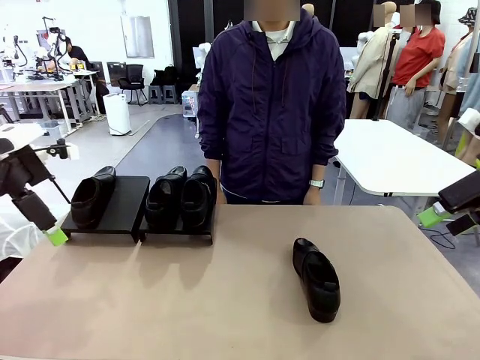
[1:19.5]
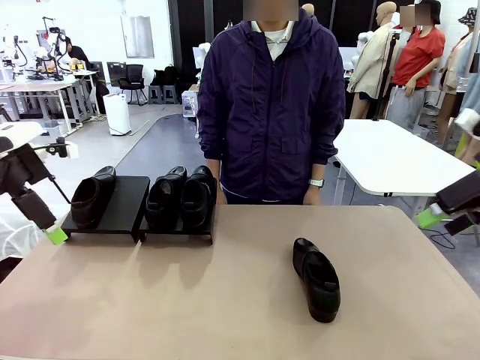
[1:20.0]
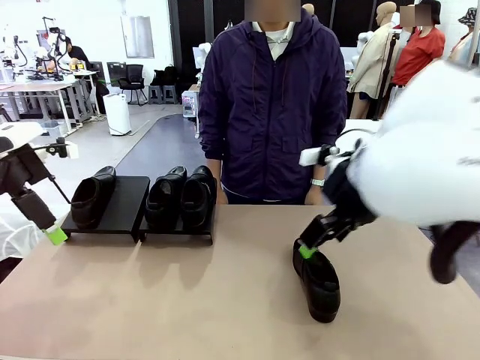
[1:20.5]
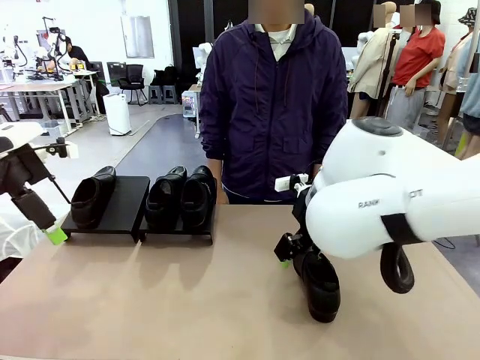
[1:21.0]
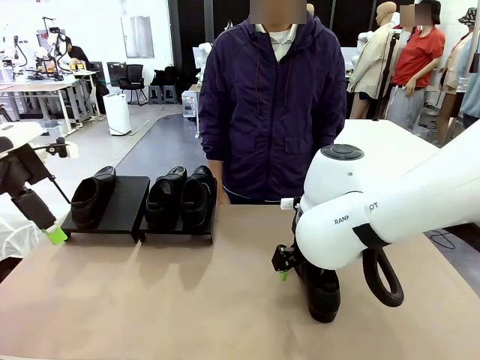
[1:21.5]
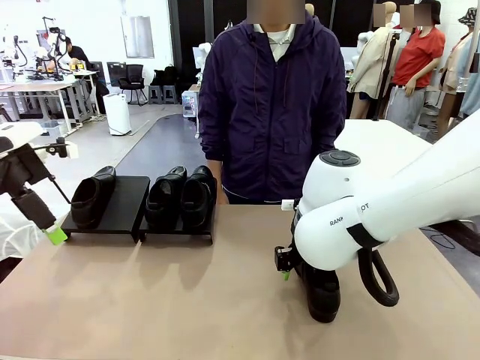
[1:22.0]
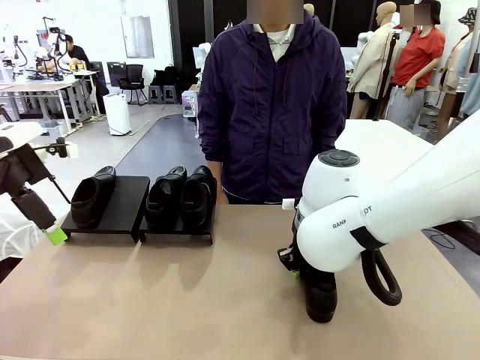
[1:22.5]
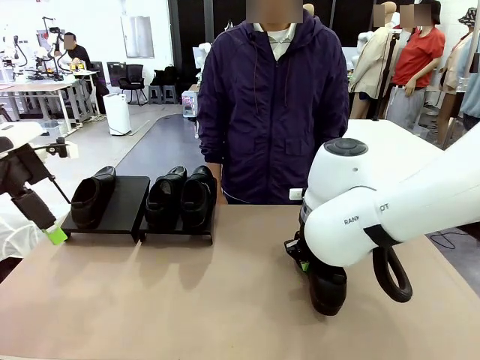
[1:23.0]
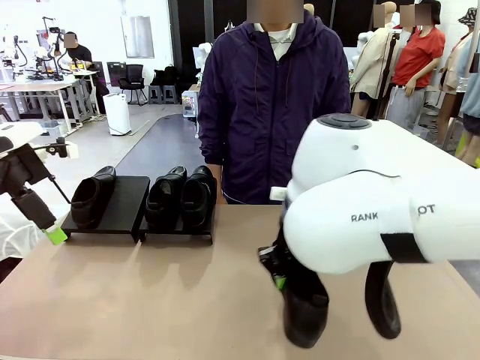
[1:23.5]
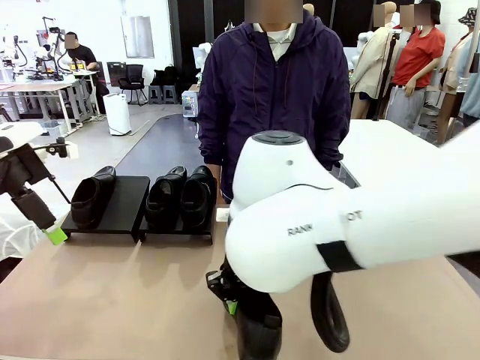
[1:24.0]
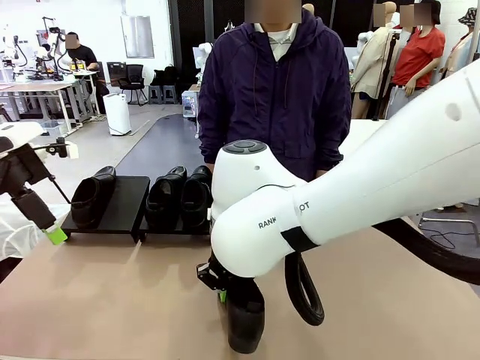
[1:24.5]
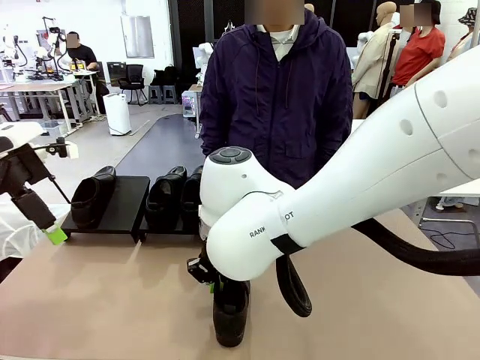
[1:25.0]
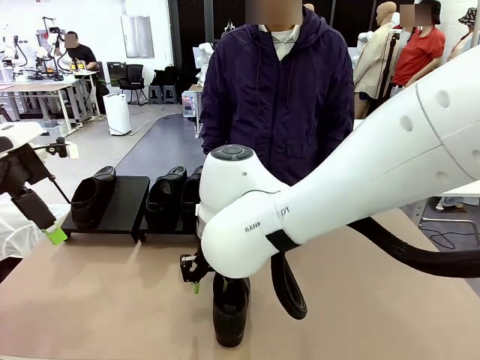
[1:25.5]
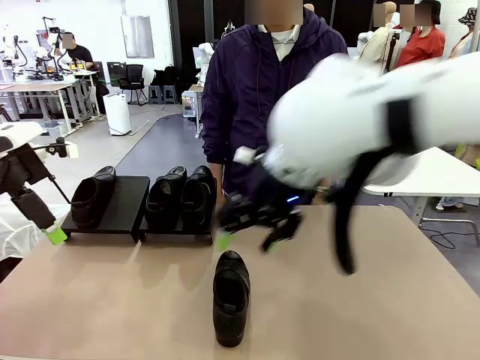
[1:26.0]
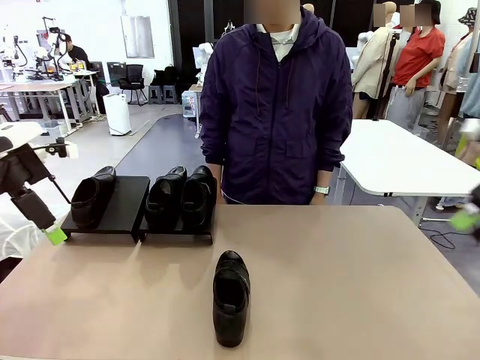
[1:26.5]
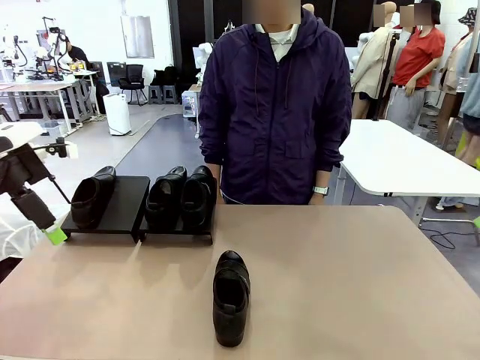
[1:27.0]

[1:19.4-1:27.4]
Task: Organize the shoes by placing them on the stand.
Robot: Pick up one Shoe and place it in the middle of the table.

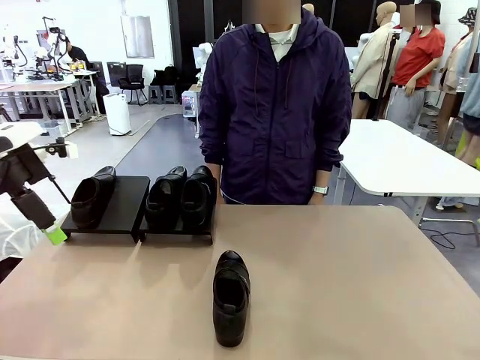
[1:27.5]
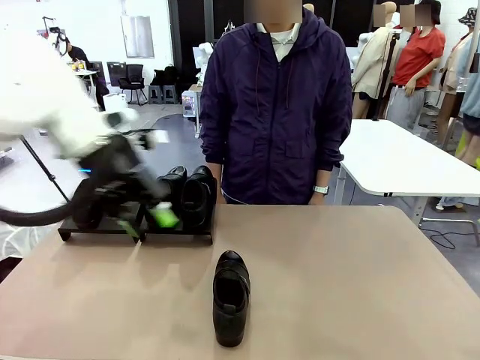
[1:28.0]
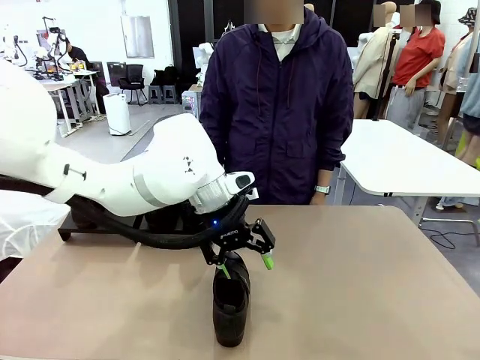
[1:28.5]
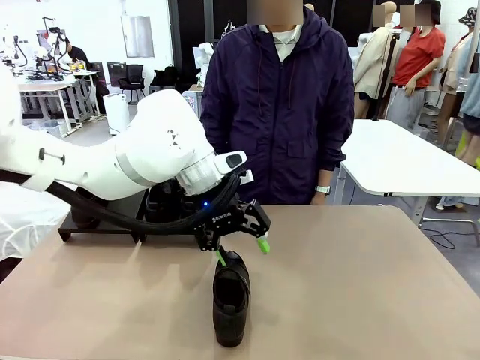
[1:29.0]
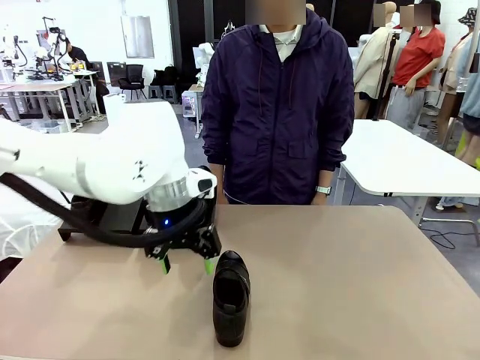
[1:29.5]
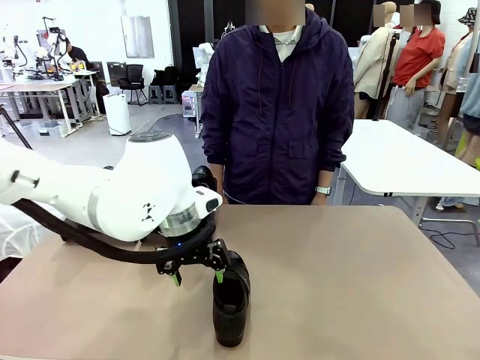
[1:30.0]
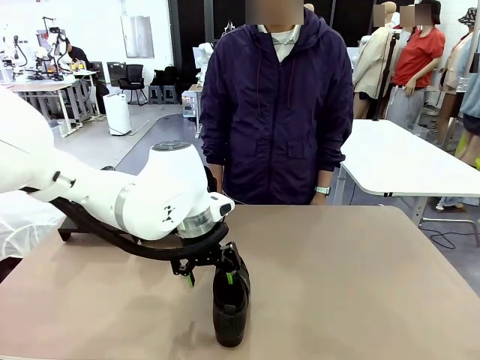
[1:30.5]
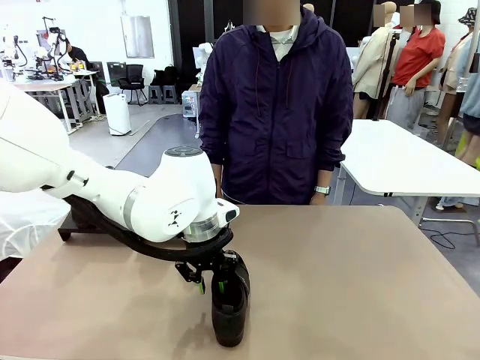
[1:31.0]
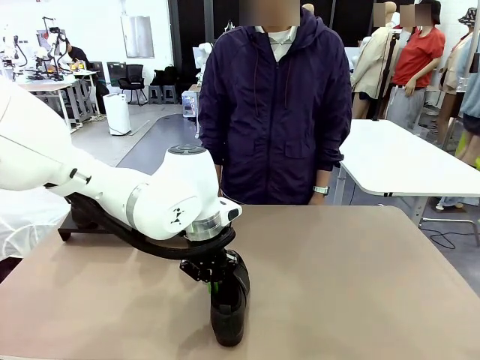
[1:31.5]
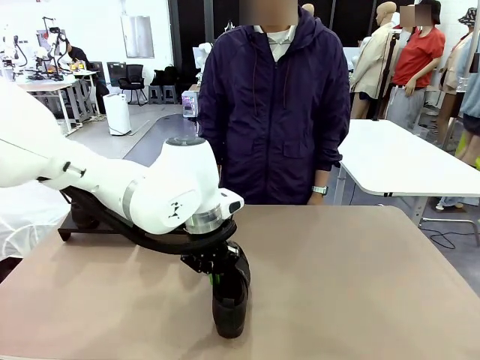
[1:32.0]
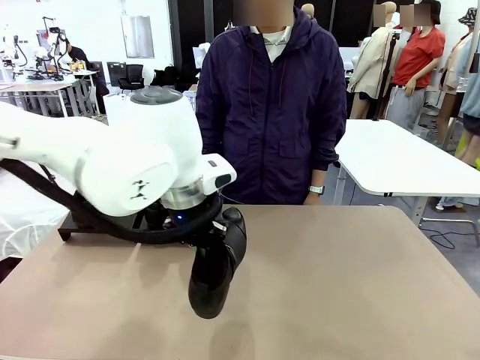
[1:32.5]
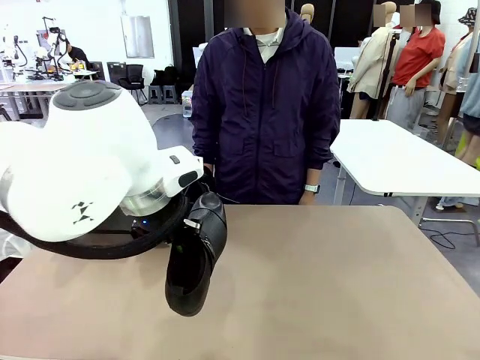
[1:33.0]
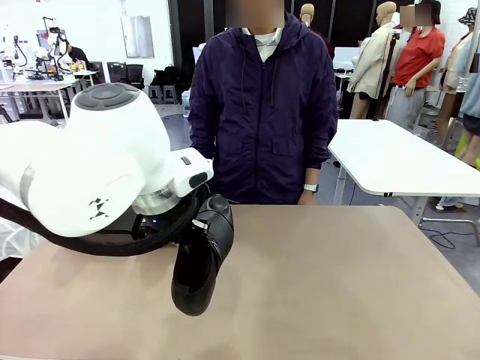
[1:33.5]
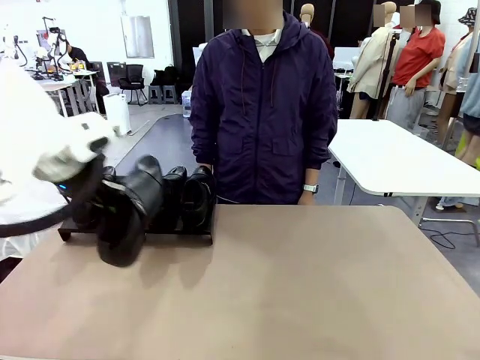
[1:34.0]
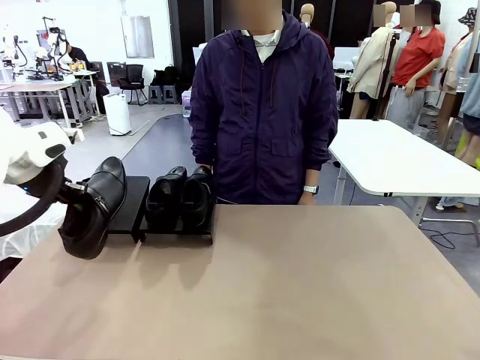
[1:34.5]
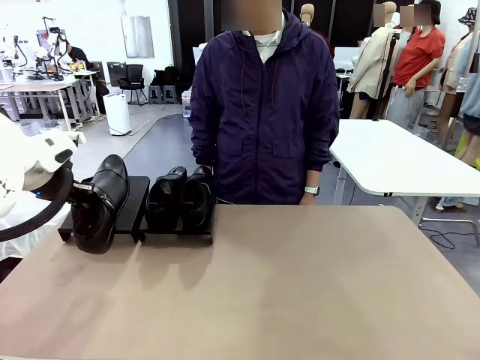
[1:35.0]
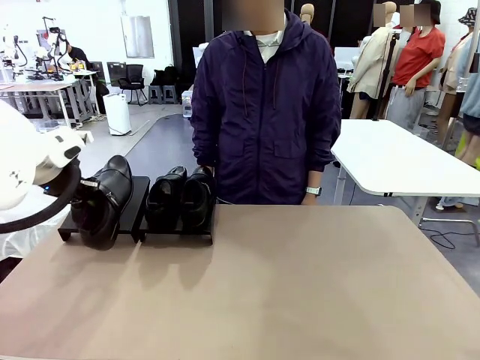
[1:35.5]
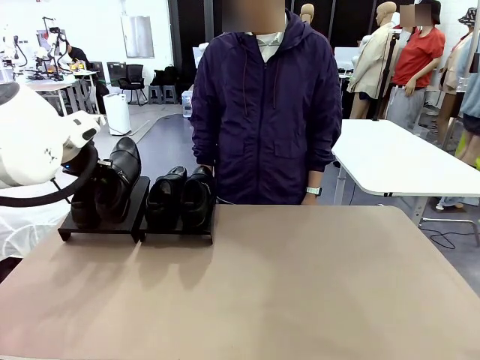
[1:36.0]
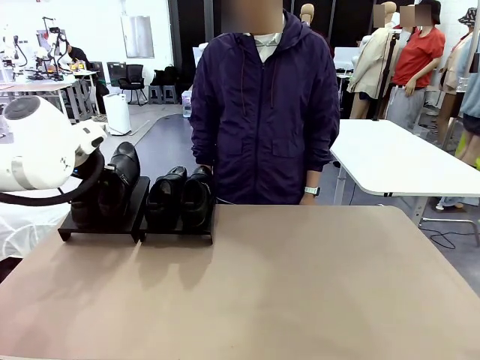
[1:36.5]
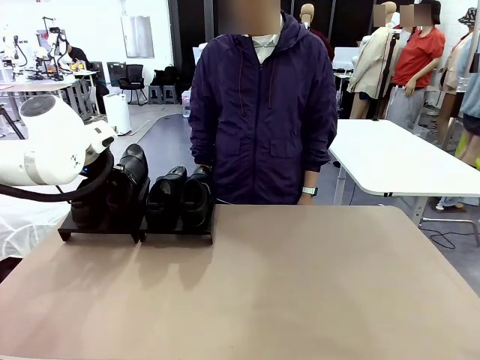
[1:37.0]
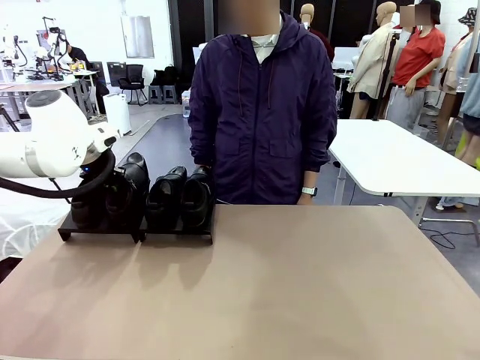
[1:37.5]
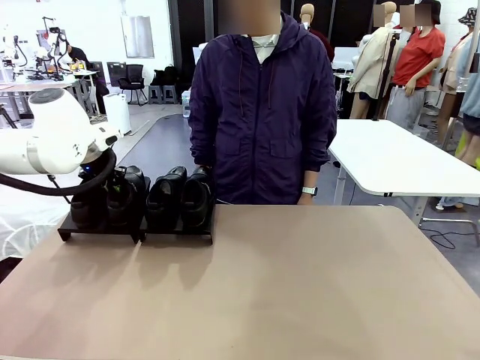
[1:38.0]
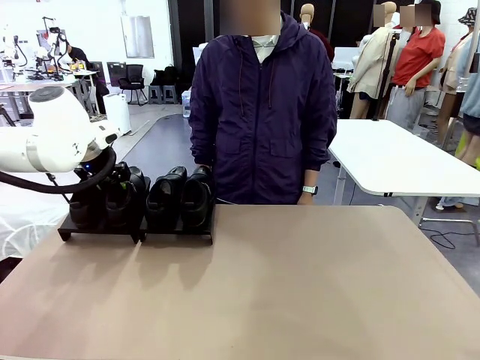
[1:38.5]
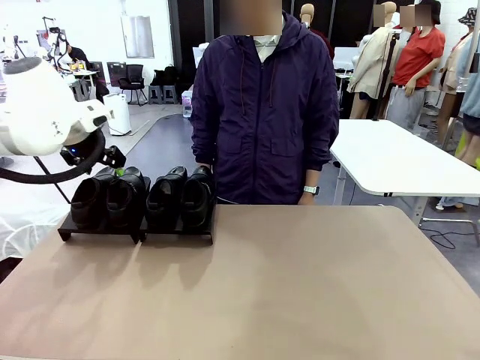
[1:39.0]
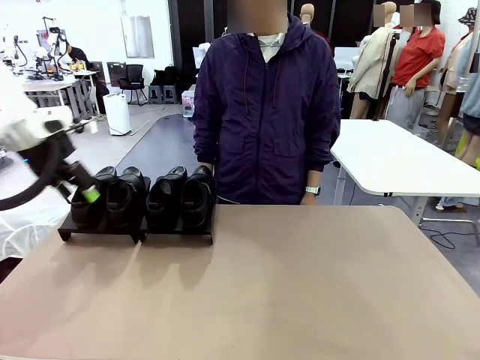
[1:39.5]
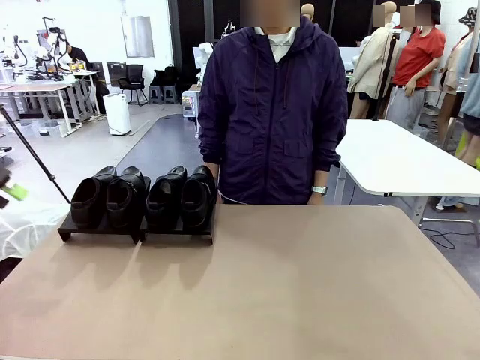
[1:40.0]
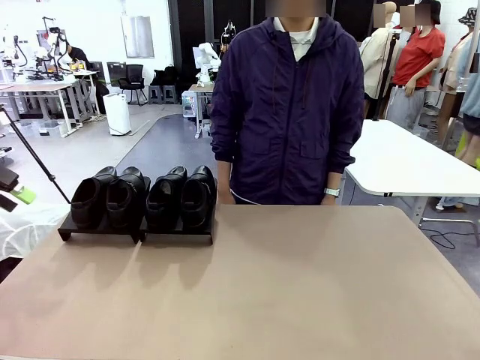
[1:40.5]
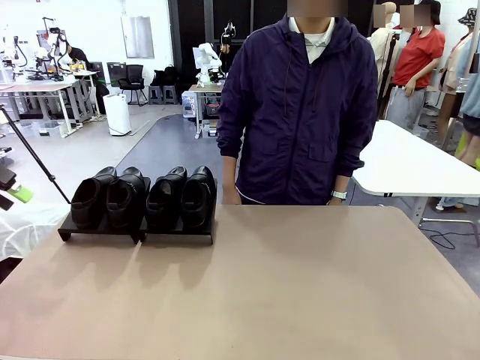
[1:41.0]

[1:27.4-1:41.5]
Robot: Place the Shoe from the middle of the table onto the Shoes Stand.

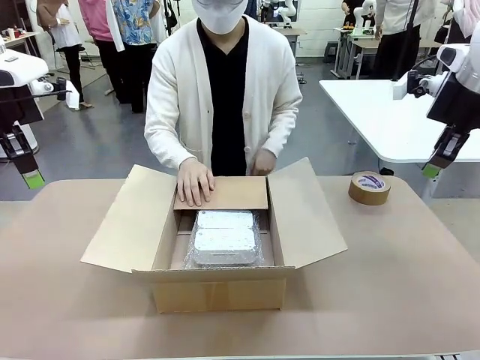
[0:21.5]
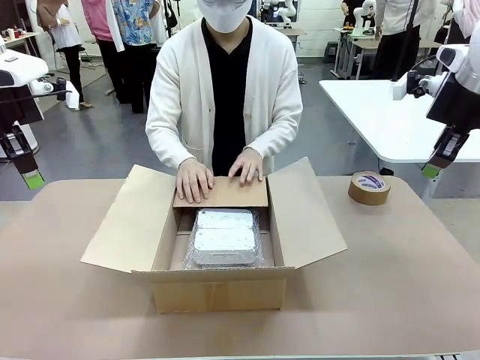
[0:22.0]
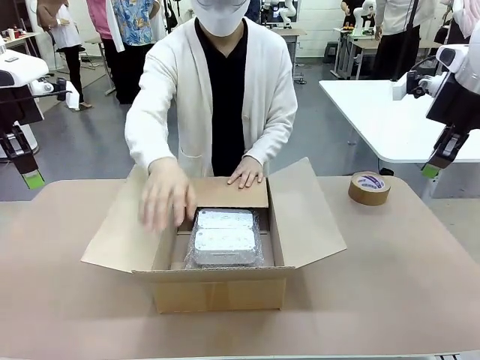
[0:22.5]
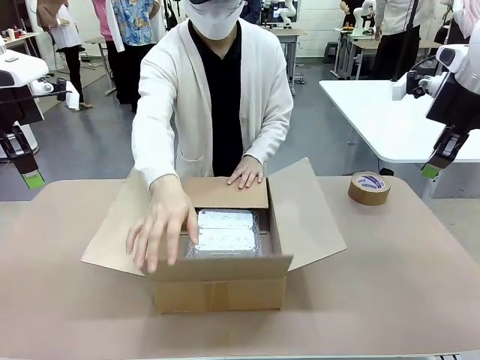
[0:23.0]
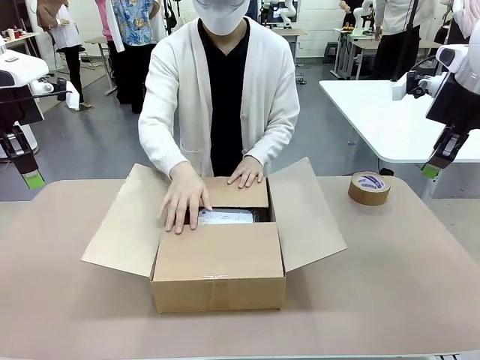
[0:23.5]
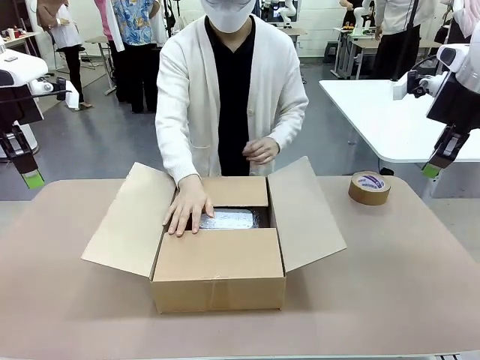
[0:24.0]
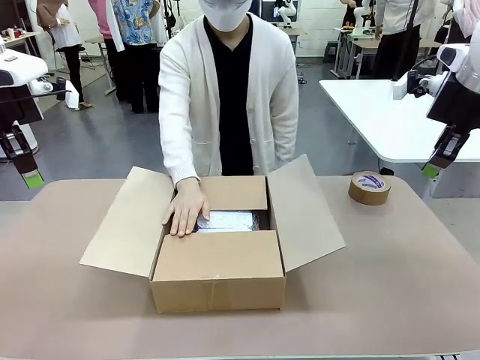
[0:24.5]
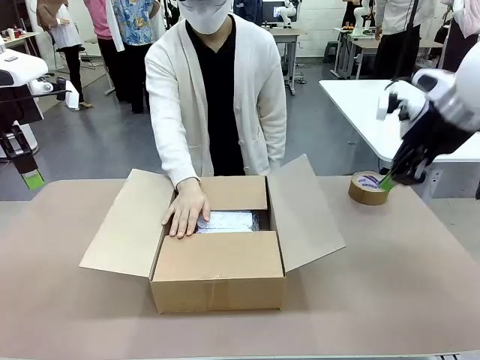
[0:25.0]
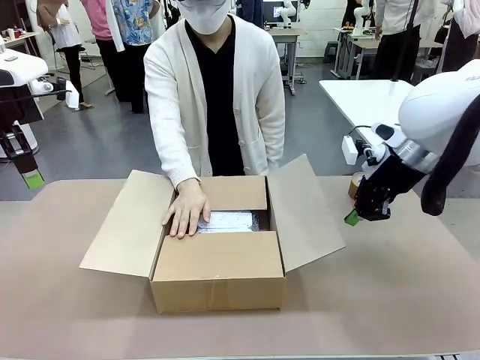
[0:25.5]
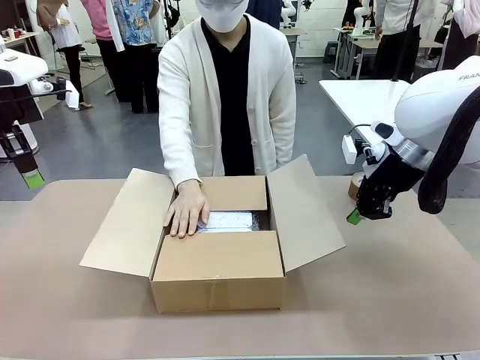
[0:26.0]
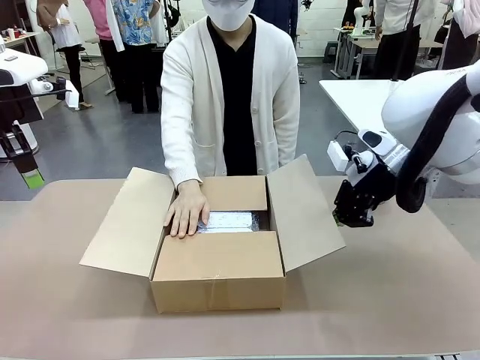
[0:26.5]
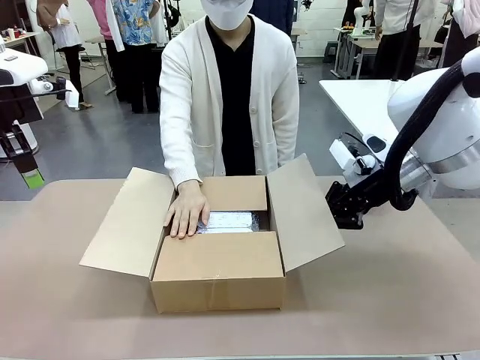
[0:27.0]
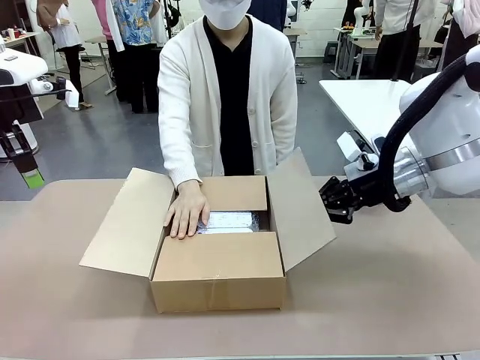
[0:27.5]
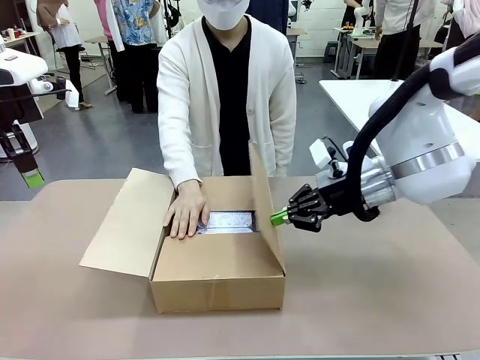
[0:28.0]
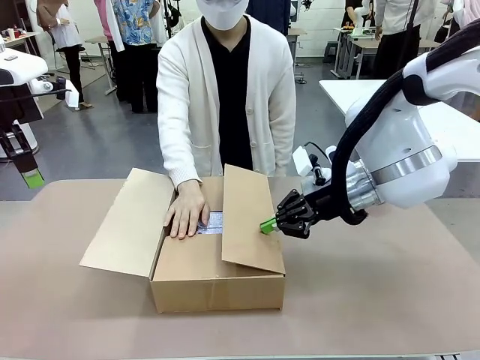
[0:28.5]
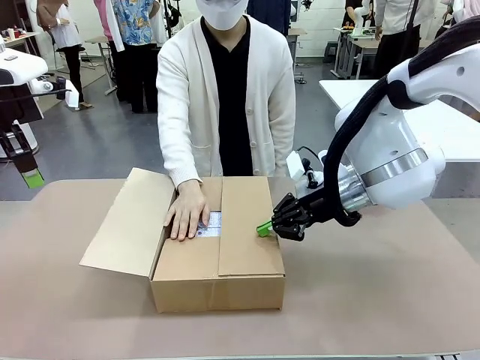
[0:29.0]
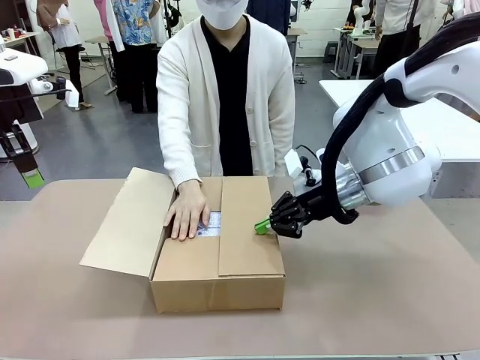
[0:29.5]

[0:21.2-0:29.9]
Task: Wrap the clocks to prevent damage.
Robot: Push the right (or left) flap of the Package Box to close it.
Person: Hold the top and bottom flaps of the Package Box closed with your left (or right) hand. Once the robot closes the right flap of the Package Box , release your left hand from the box.
